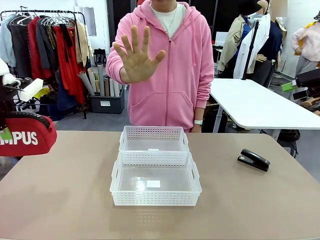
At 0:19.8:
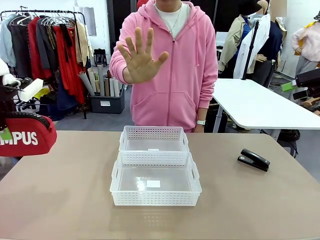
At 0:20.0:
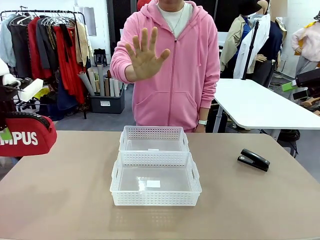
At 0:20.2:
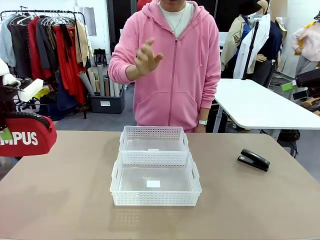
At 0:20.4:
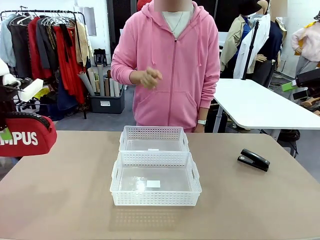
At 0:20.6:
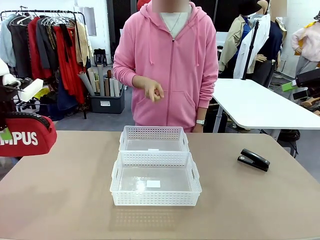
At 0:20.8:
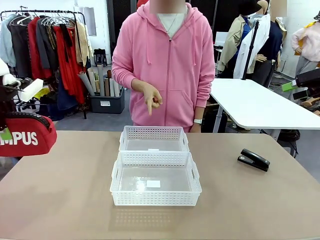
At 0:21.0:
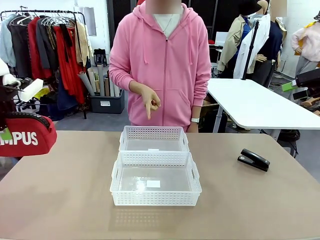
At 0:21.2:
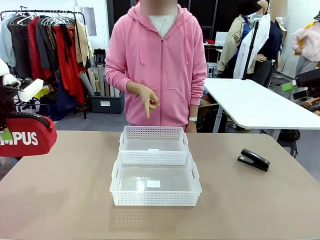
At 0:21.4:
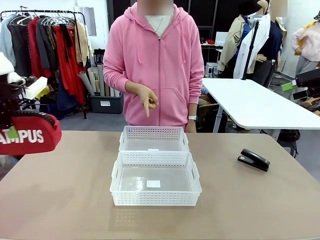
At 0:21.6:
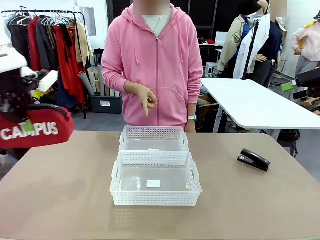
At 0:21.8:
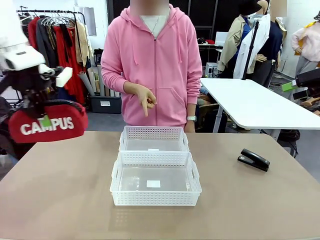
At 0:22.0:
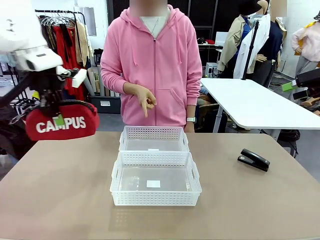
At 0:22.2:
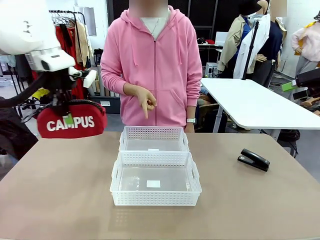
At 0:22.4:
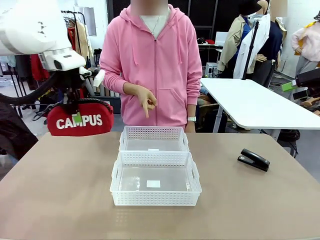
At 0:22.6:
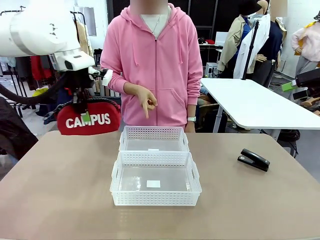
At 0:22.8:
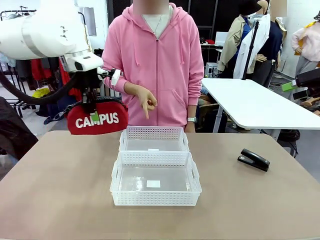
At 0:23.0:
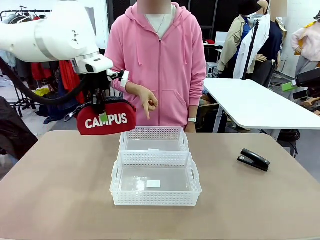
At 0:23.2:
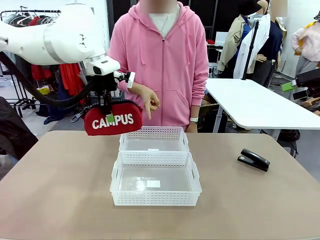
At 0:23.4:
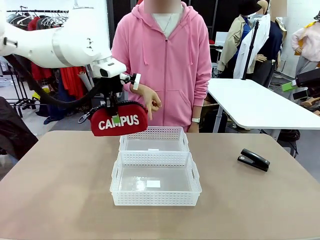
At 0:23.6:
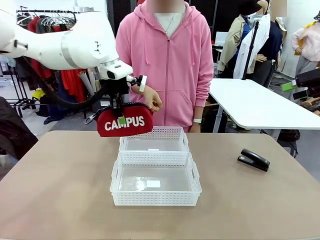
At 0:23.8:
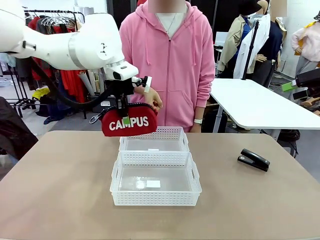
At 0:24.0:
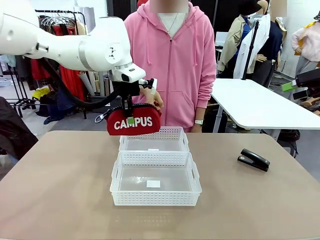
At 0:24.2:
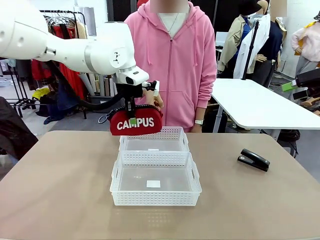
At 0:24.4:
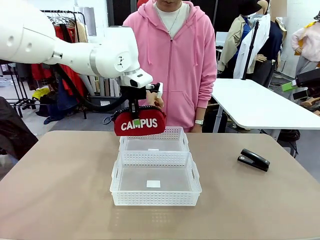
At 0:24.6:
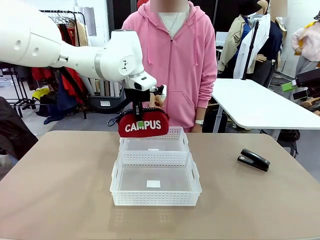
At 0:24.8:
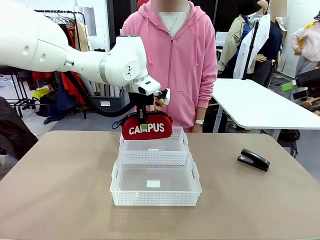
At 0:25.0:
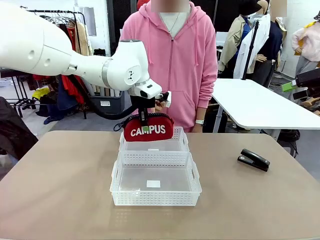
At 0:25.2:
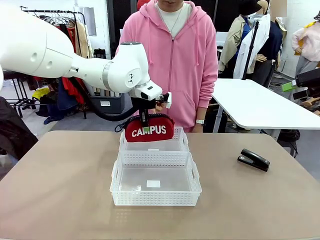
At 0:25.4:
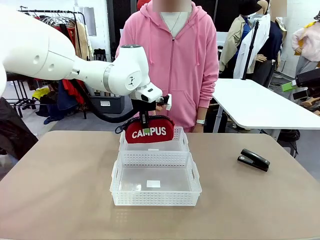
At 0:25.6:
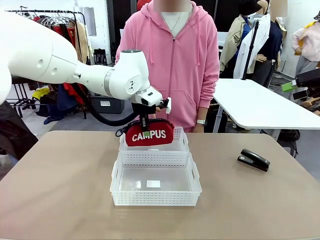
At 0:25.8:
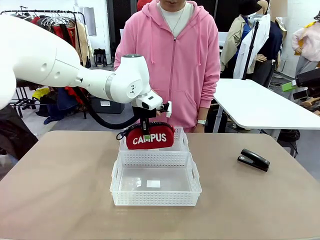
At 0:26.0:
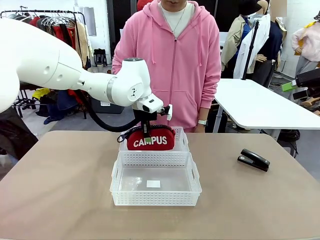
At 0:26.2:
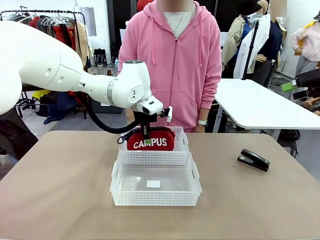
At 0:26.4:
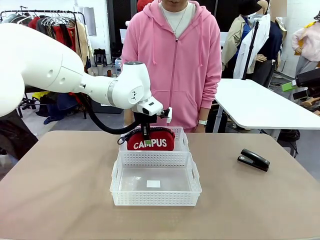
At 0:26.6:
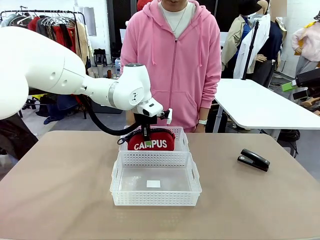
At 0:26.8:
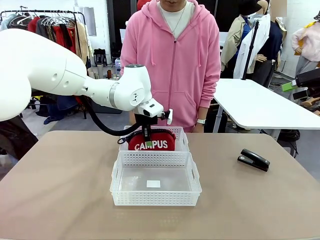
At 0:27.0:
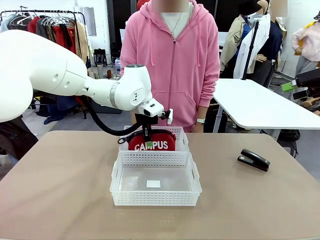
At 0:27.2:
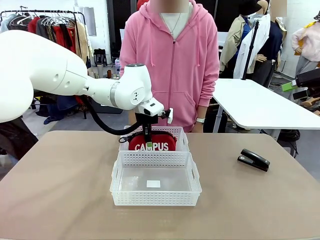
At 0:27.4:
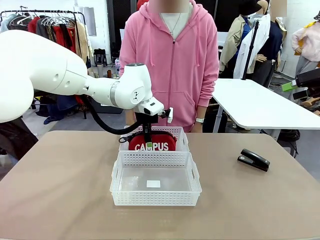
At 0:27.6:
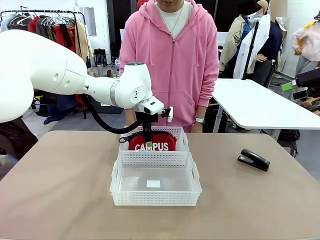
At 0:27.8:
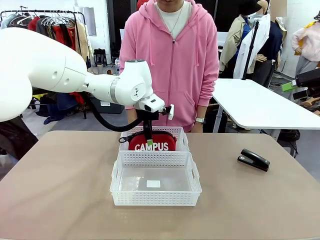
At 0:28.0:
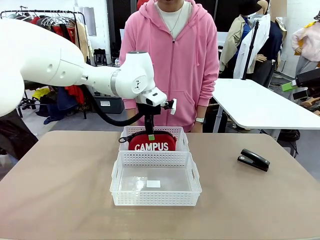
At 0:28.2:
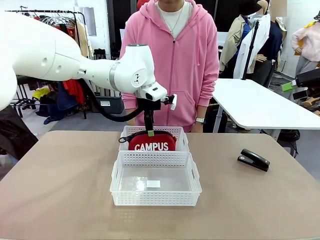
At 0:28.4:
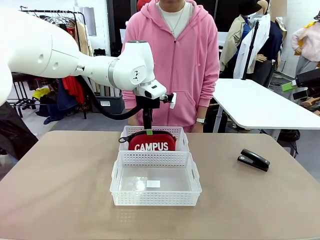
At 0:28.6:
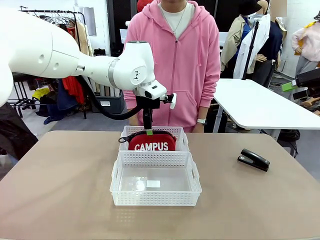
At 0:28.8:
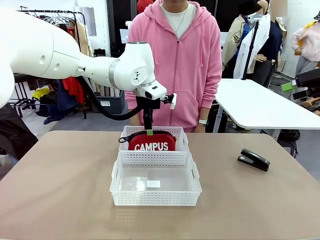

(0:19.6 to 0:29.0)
Task: Distribute items into two baskets.
Robot: Place the picked Pencil pouch into the Organizing basket as instructed by the person.
Person: Instructs the robot to place the pencil case into the opposite basket. Points to the stapler.

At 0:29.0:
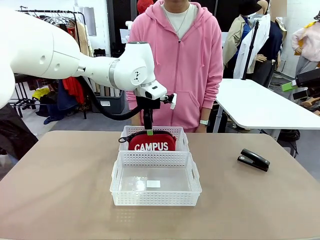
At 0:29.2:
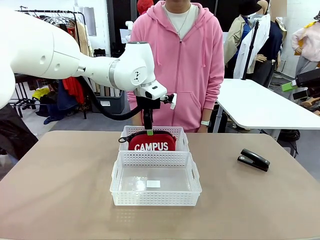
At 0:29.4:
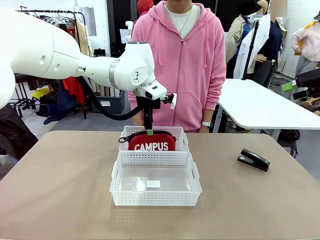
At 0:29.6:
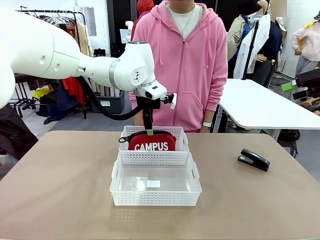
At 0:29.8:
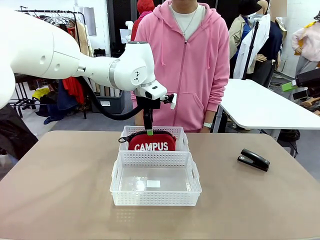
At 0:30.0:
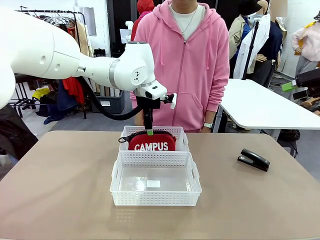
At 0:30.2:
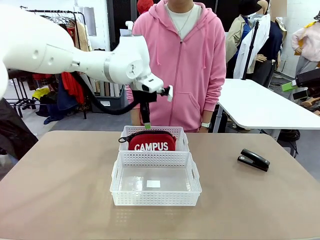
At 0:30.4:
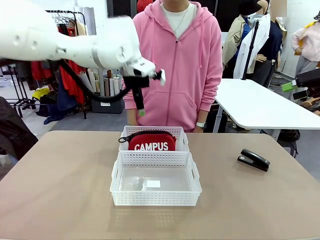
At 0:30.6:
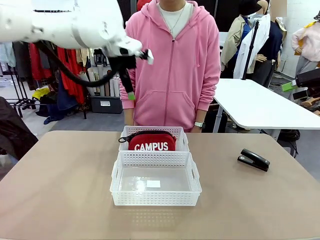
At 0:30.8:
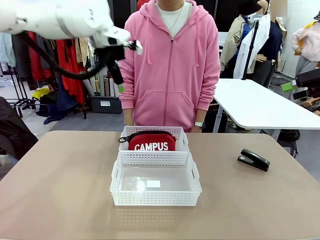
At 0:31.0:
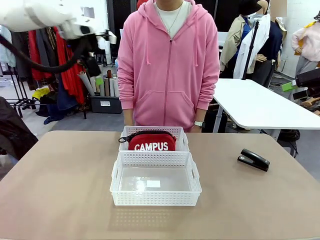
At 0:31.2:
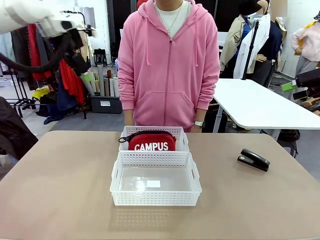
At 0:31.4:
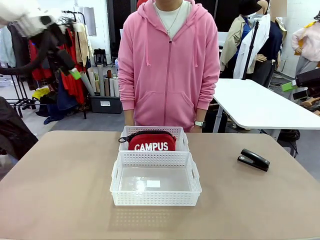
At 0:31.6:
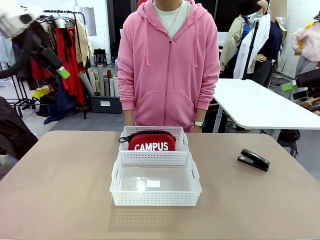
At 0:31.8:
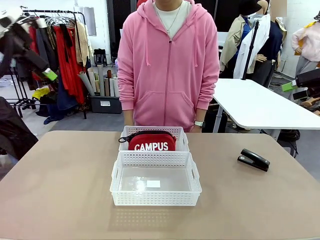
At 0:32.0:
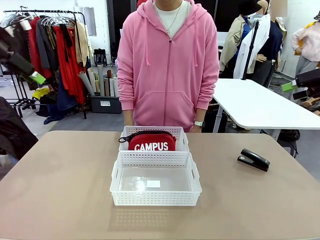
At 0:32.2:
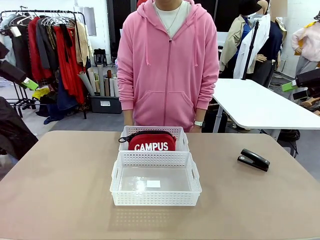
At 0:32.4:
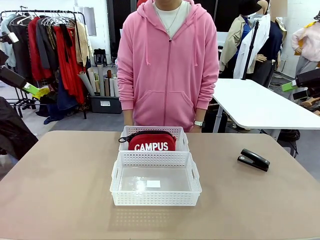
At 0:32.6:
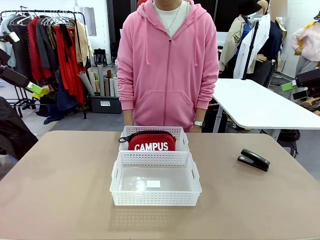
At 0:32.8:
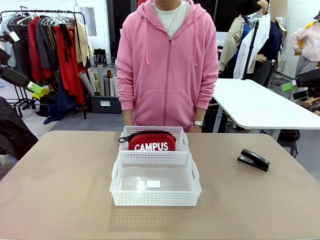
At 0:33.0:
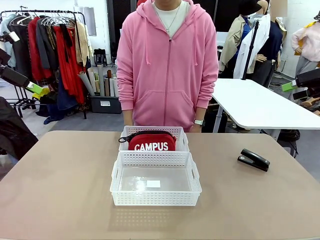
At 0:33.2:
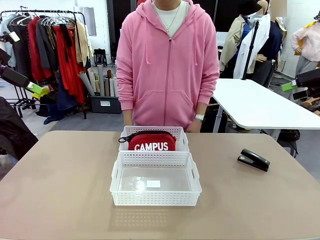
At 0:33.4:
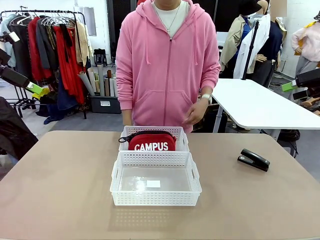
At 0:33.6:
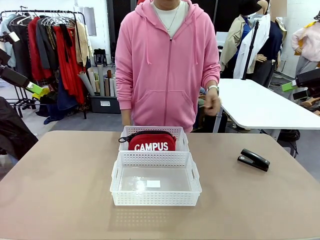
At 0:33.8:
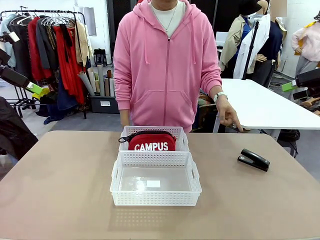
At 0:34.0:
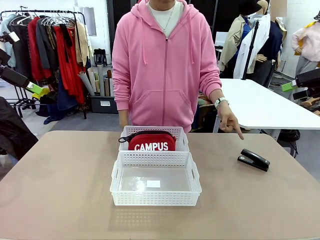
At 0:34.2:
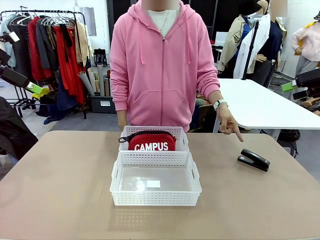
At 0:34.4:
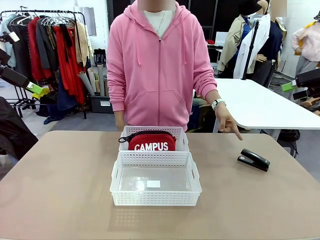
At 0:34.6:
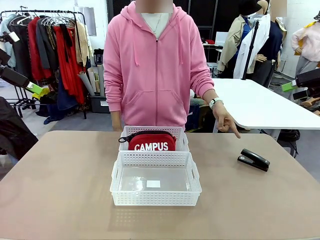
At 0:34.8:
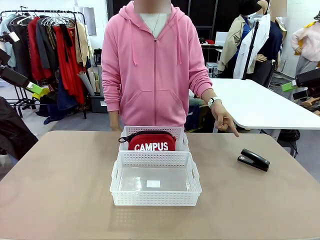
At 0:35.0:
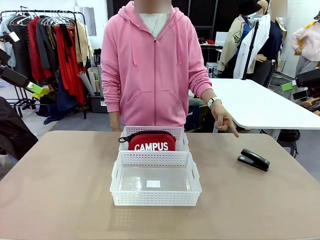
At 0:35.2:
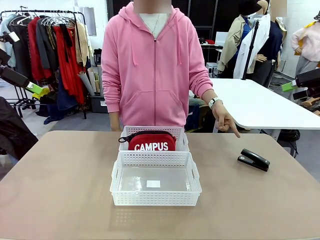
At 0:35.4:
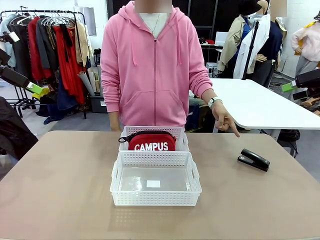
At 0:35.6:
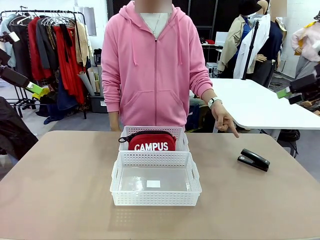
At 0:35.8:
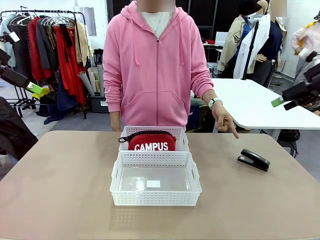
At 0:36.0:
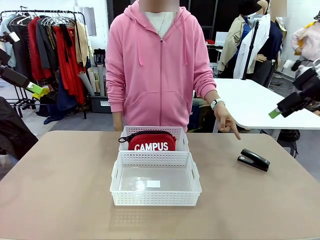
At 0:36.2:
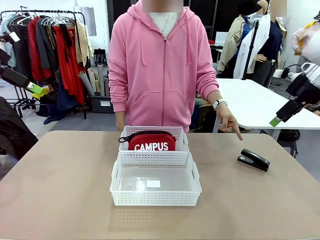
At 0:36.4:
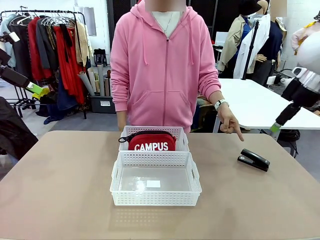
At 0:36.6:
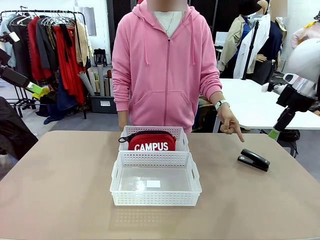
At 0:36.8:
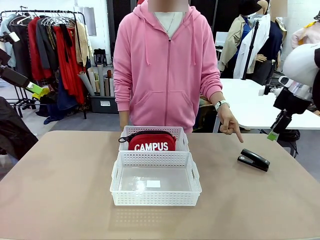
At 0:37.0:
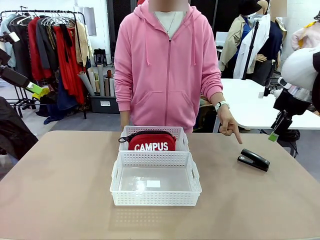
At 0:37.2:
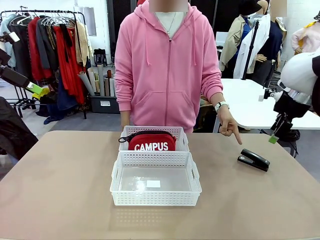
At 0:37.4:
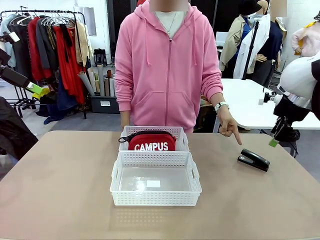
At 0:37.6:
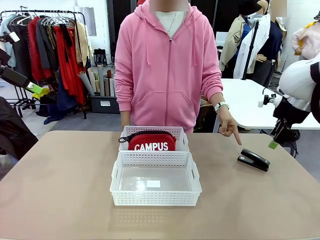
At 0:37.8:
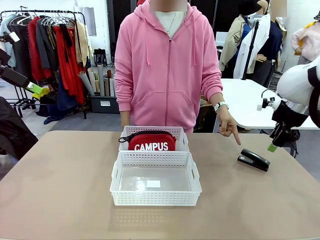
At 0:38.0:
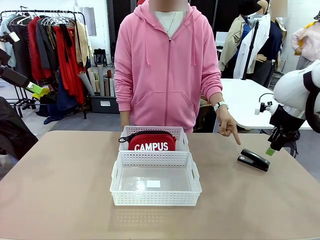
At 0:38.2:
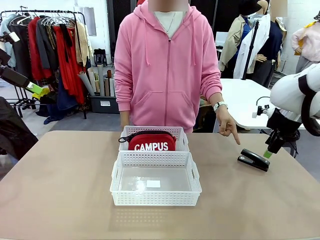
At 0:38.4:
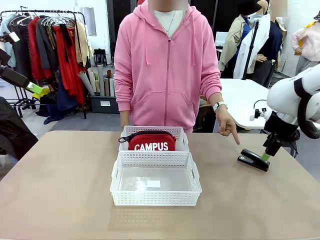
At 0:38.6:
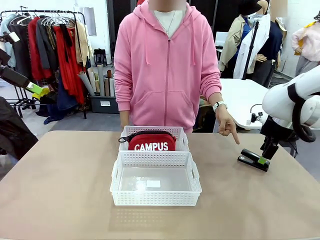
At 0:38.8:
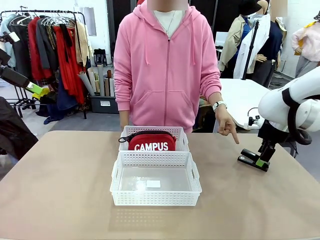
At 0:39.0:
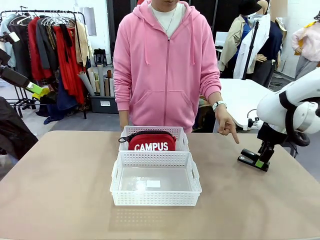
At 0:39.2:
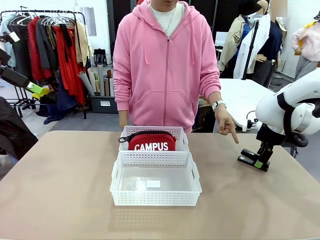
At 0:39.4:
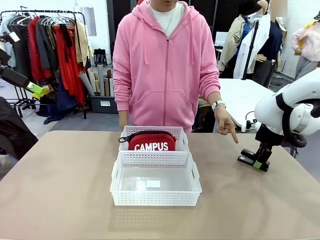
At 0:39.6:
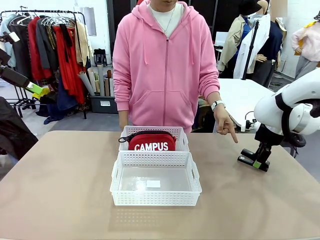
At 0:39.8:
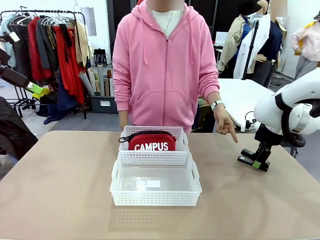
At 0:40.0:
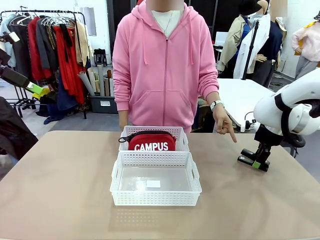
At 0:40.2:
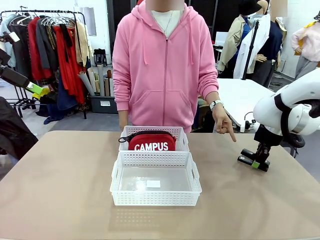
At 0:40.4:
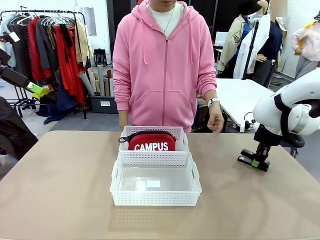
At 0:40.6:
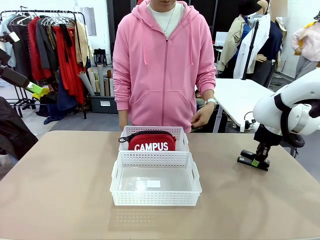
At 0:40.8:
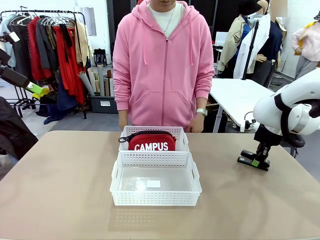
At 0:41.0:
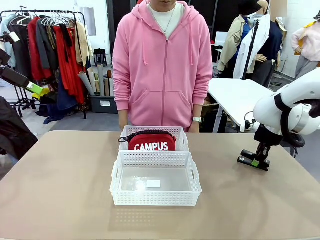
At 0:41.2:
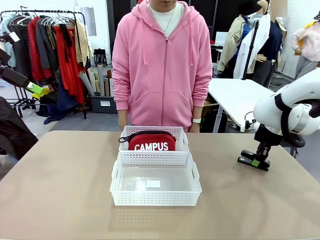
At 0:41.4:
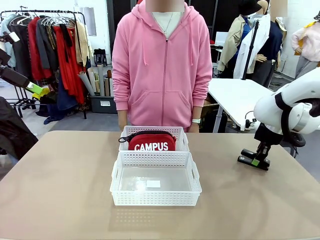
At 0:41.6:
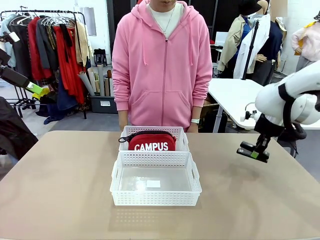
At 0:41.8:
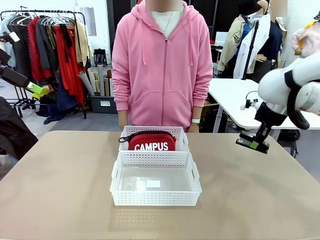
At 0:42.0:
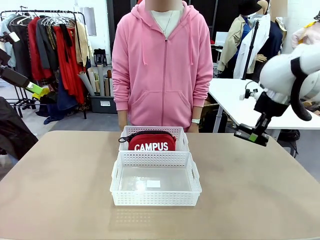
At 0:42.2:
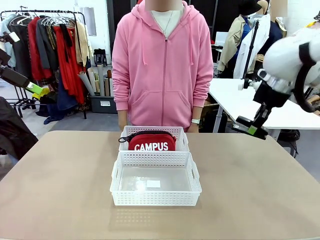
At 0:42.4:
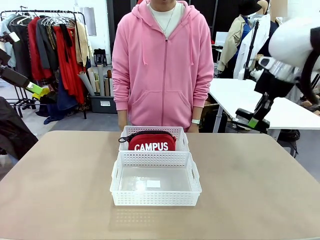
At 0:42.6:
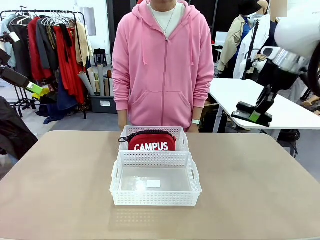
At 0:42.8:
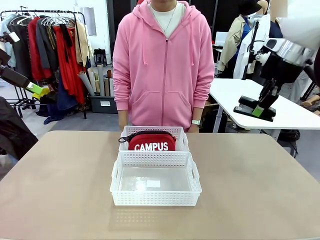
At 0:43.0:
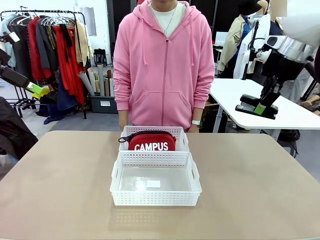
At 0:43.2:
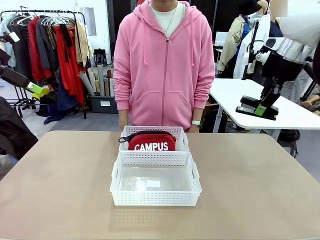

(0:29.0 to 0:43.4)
Robot: Pick up the Stapler that the person points to.
